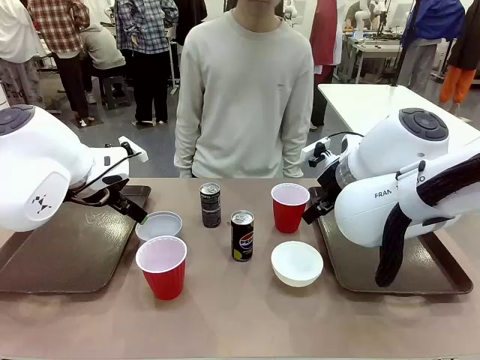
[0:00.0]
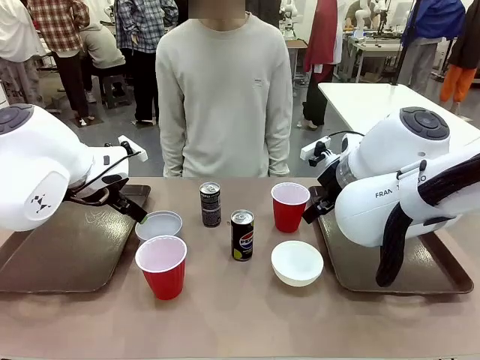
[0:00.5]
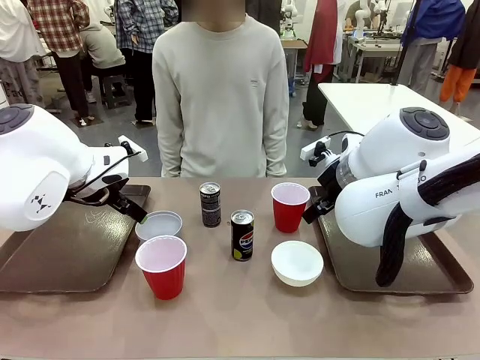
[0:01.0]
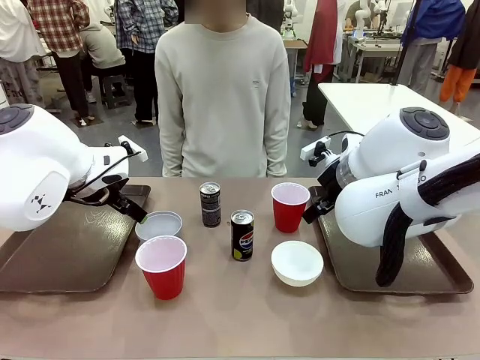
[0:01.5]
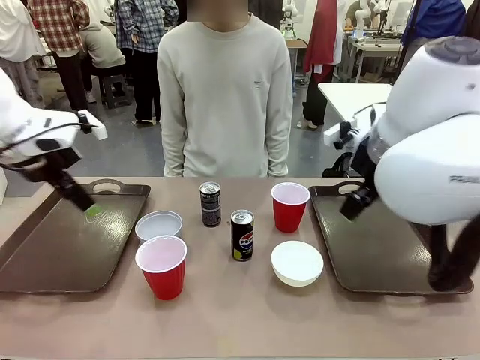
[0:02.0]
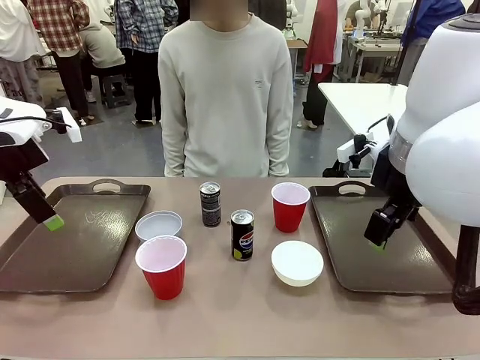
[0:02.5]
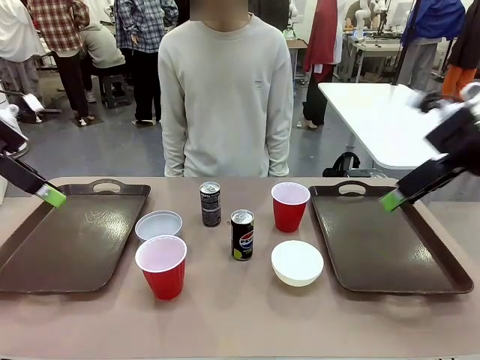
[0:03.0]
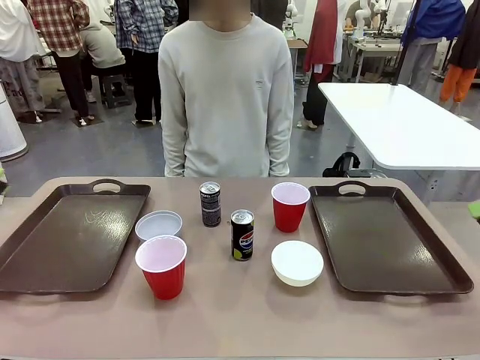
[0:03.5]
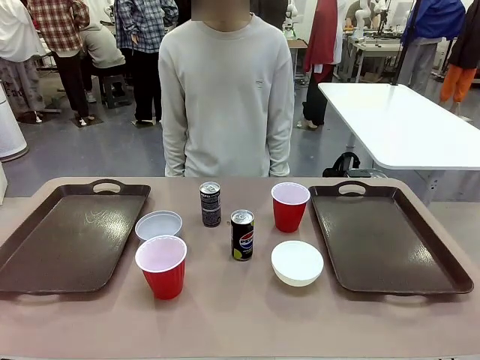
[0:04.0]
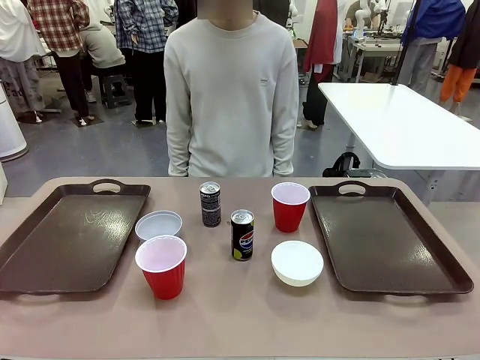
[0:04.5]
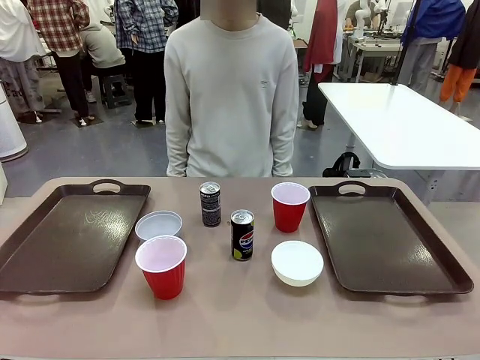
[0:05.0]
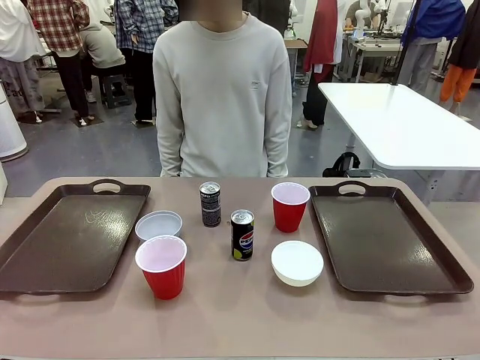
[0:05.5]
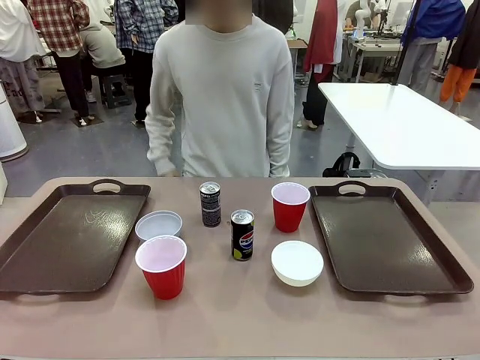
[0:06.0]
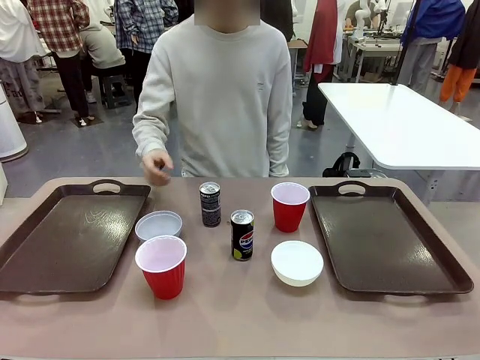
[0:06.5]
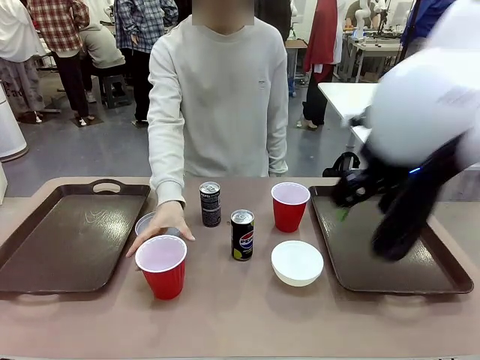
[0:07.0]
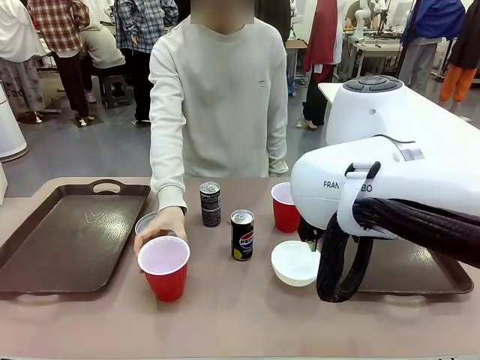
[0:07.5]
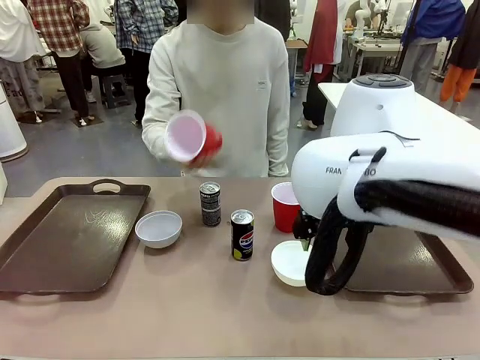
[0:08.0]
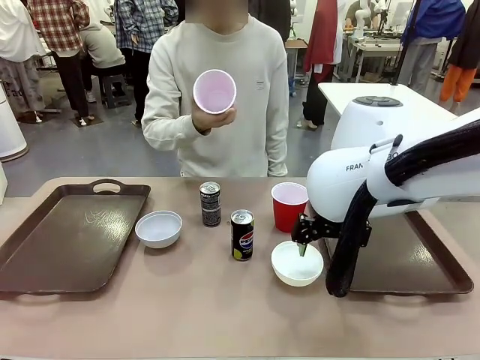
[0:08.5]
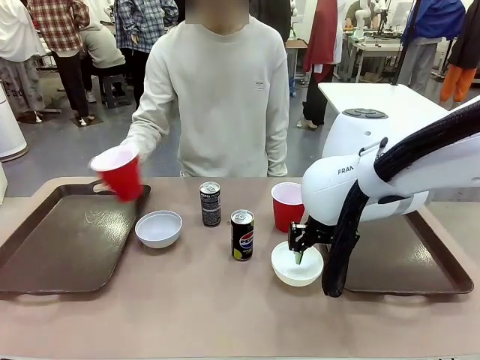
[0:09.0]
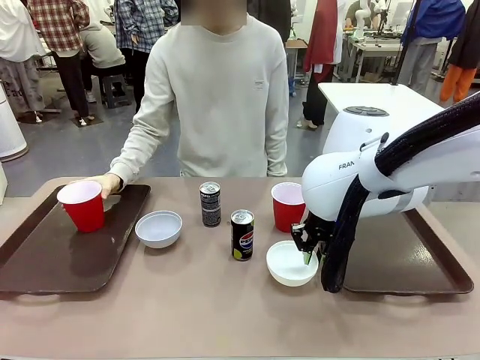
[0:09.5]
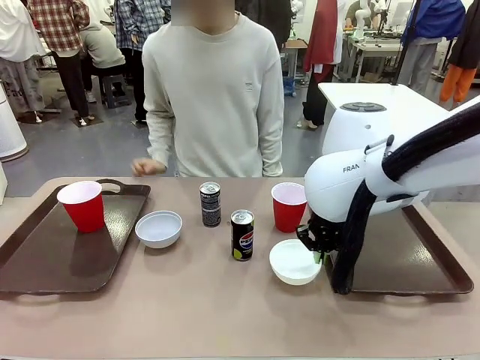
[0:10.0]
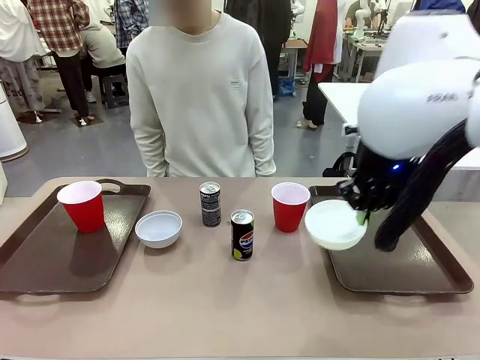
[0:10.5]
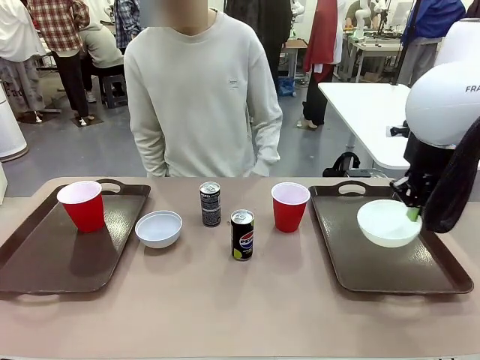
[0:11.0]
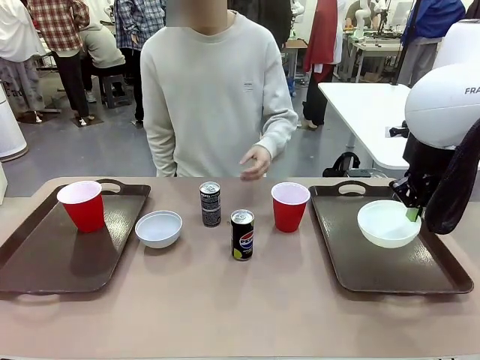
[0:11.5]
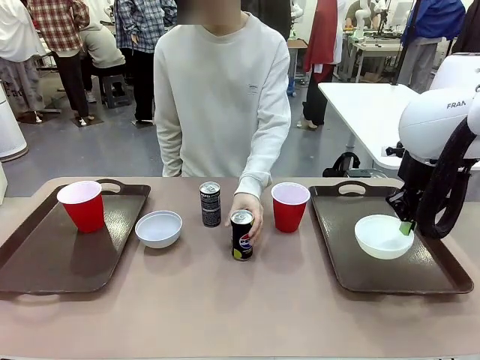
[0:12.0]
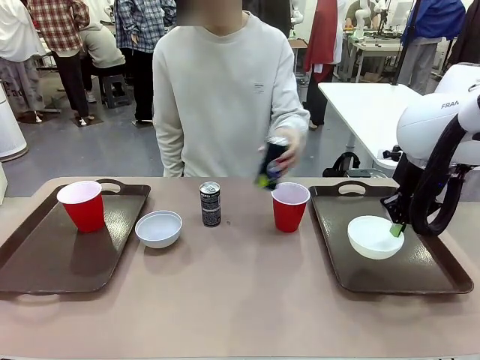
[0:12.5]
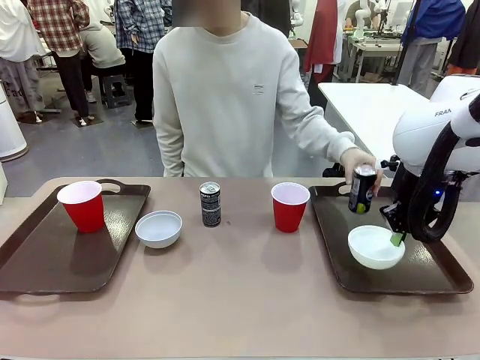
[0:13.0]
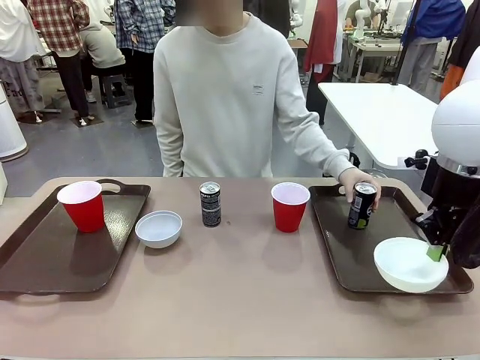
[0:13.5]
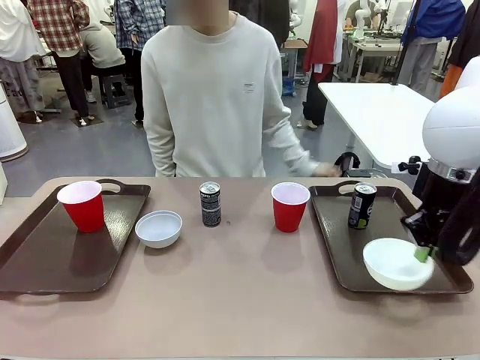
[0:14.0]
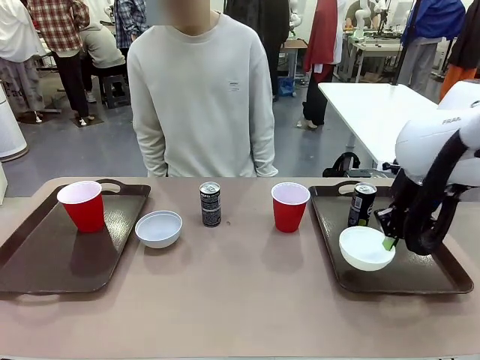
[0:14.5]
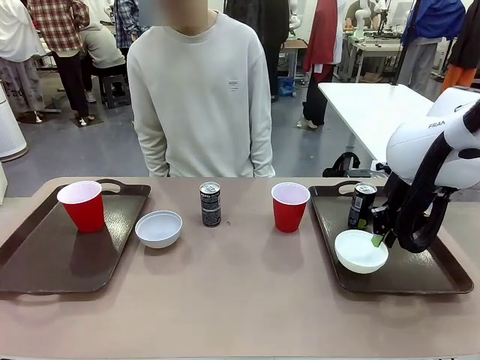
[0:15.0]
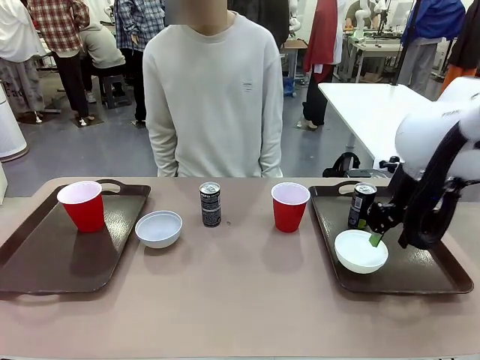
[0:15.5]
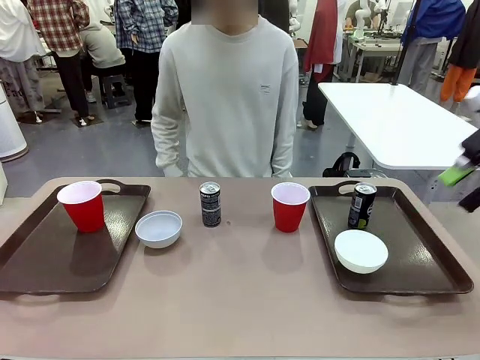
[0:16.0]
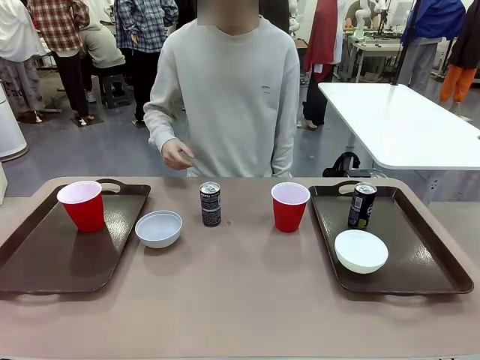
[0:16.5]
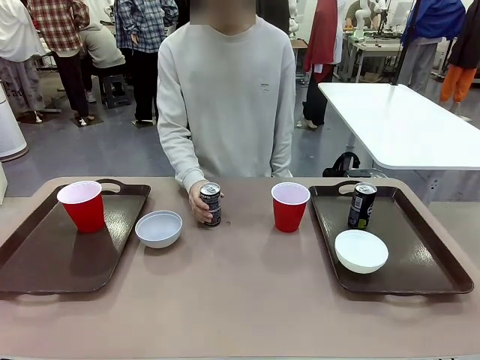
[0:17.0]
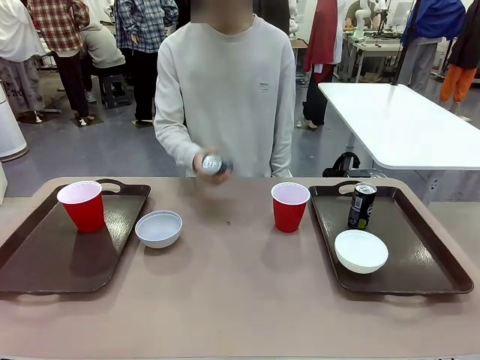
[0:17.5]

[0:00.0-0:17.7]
Task: Prepare tableware on both trays.
Robot: Pick up a Picnic Bowl from the table and place it on a Handle tray.
Person: Pick up a can or cup and place it on the tray.
